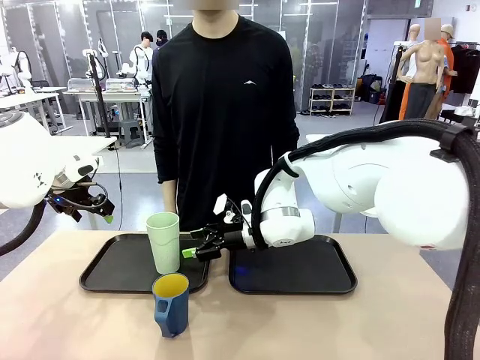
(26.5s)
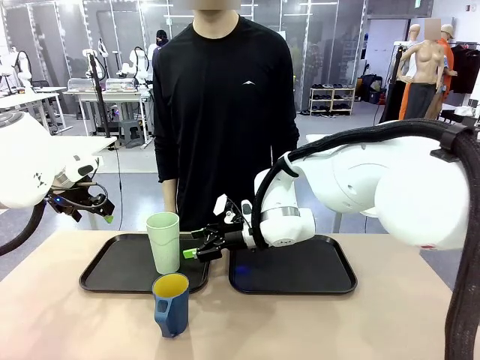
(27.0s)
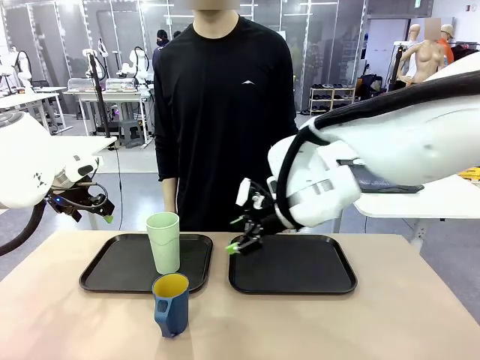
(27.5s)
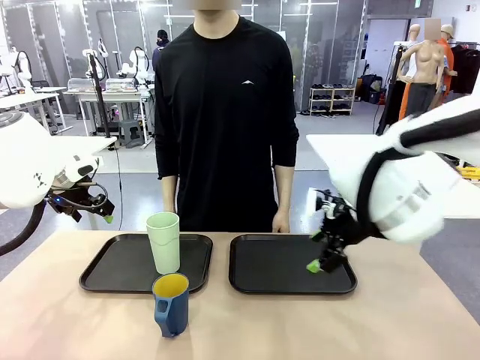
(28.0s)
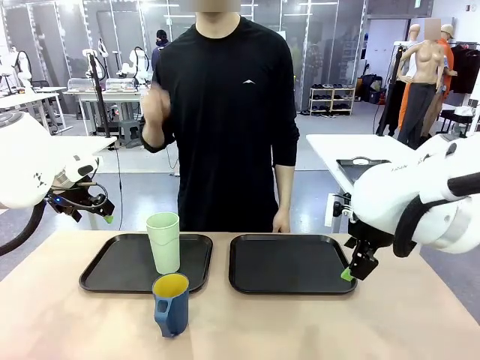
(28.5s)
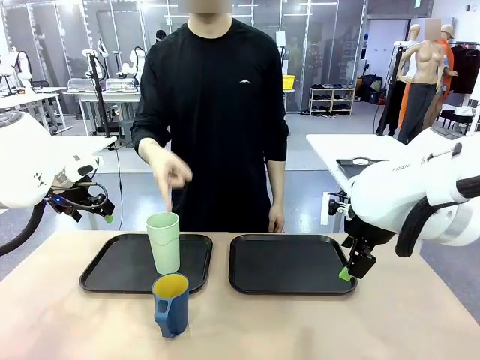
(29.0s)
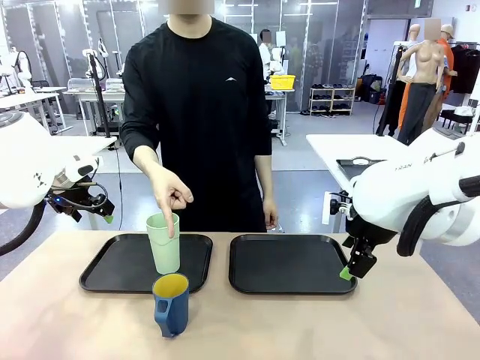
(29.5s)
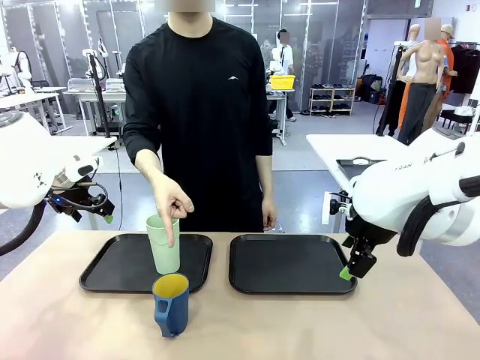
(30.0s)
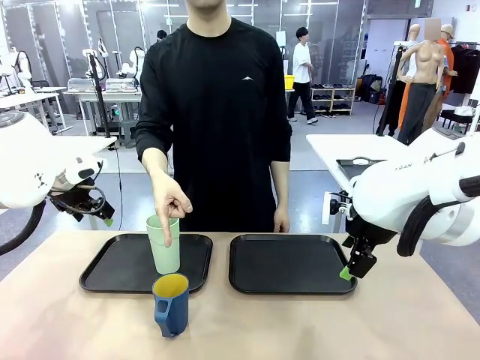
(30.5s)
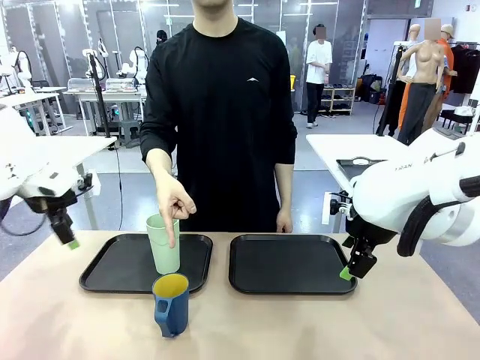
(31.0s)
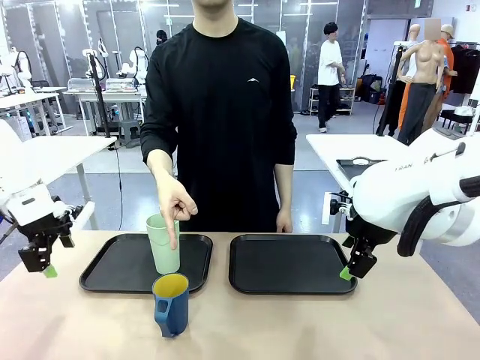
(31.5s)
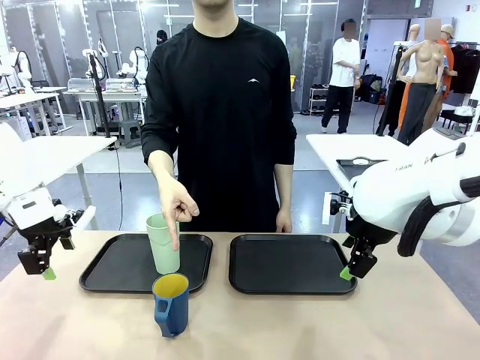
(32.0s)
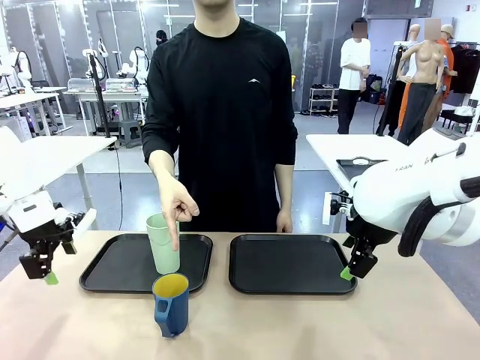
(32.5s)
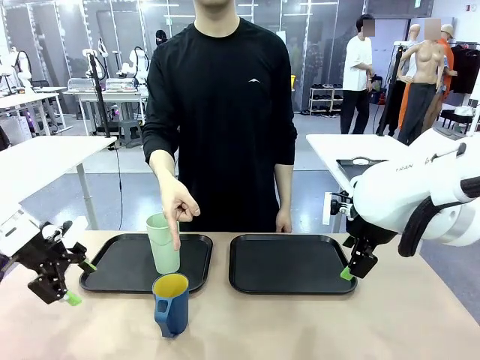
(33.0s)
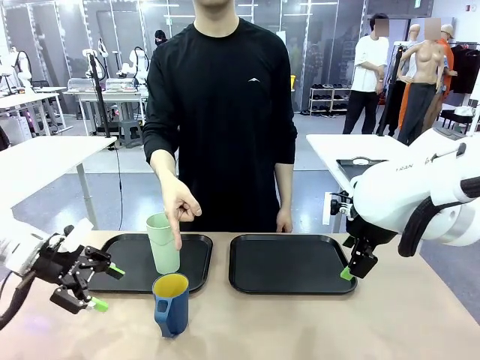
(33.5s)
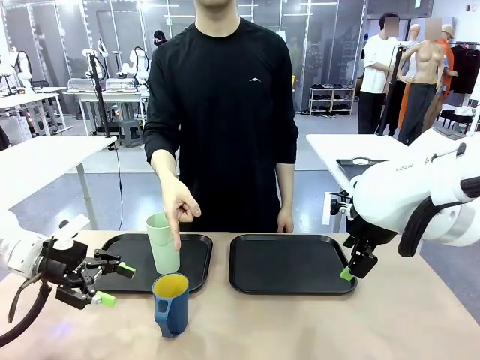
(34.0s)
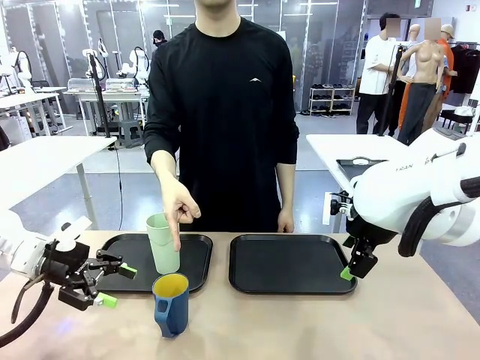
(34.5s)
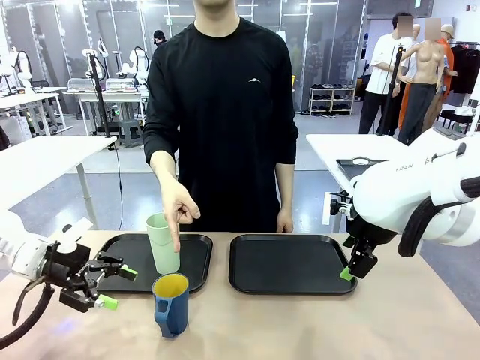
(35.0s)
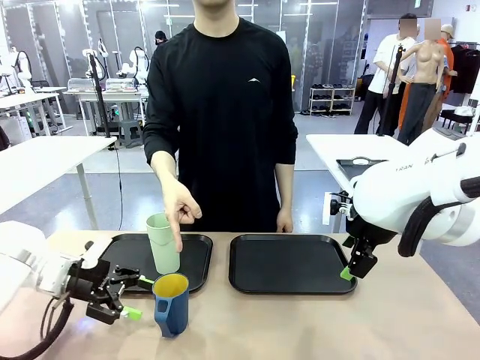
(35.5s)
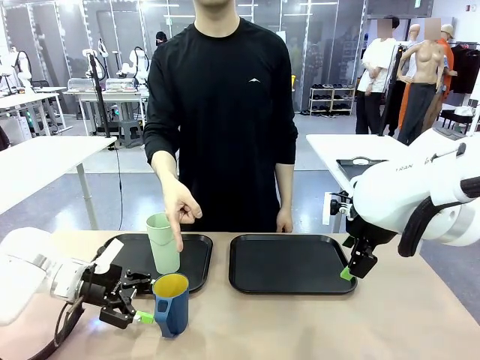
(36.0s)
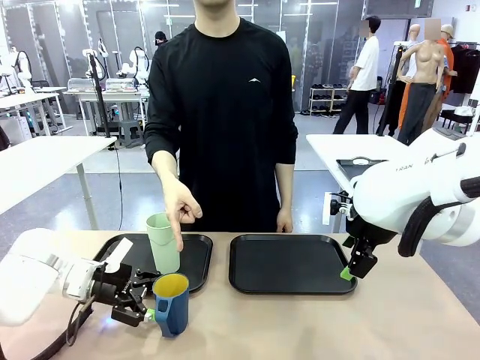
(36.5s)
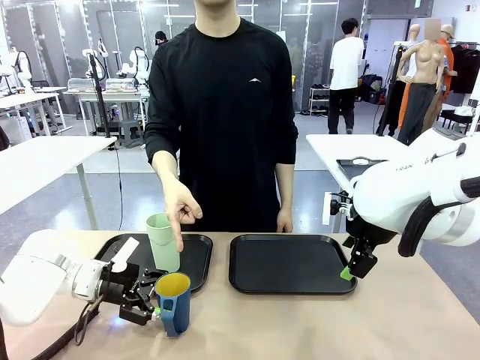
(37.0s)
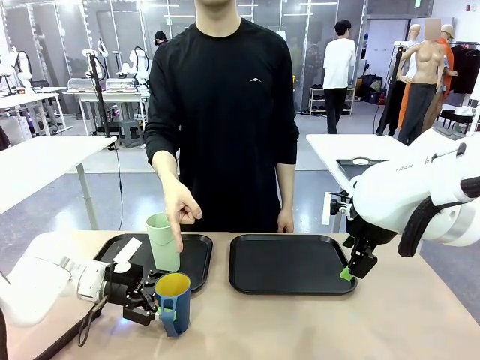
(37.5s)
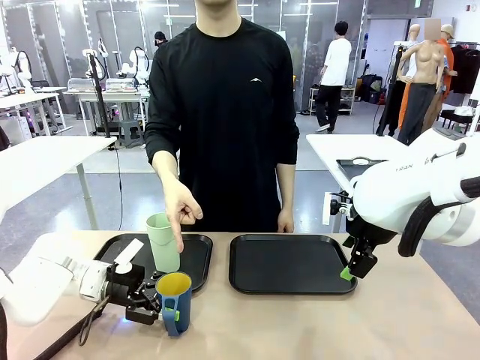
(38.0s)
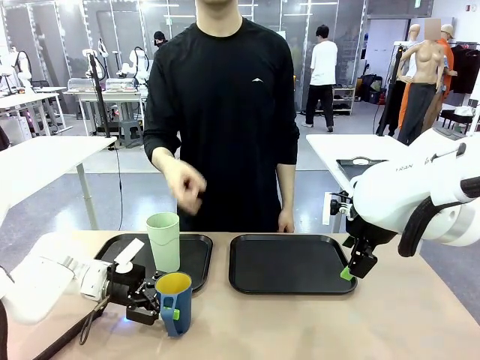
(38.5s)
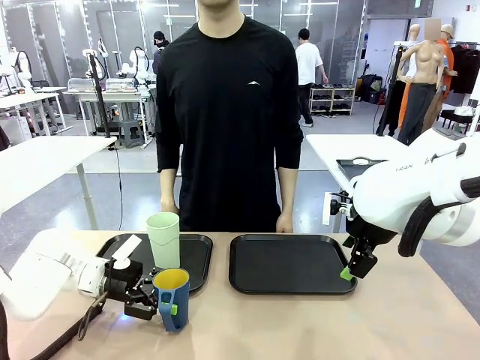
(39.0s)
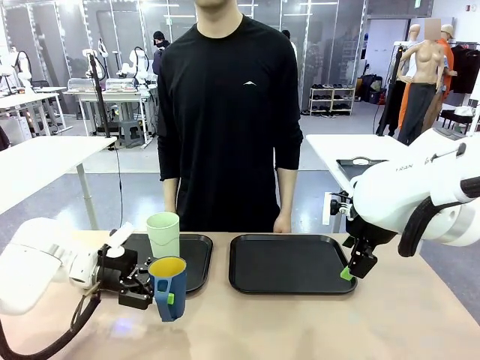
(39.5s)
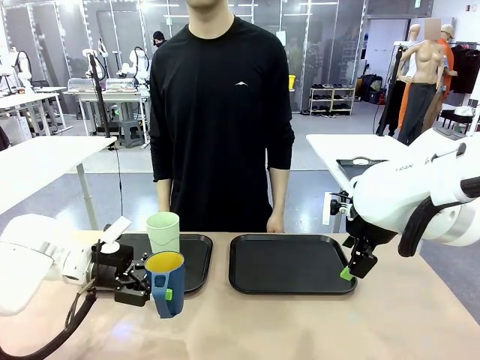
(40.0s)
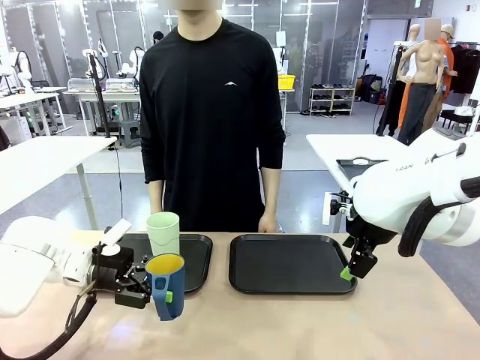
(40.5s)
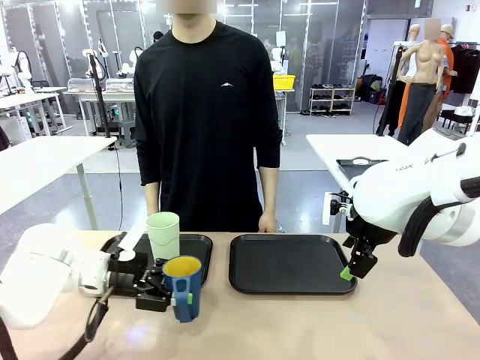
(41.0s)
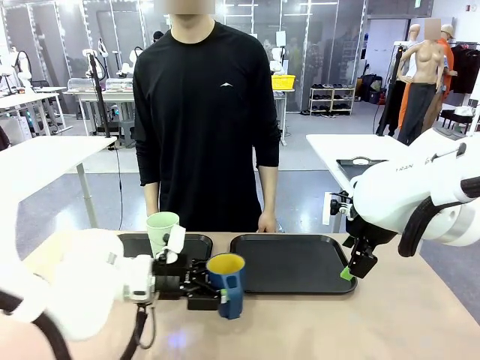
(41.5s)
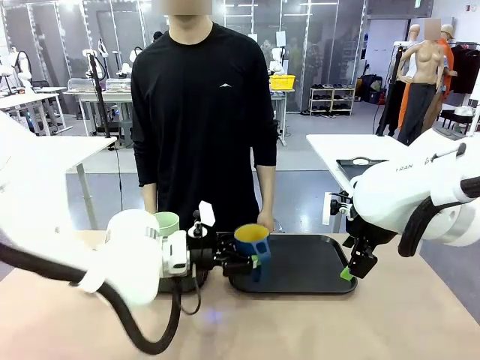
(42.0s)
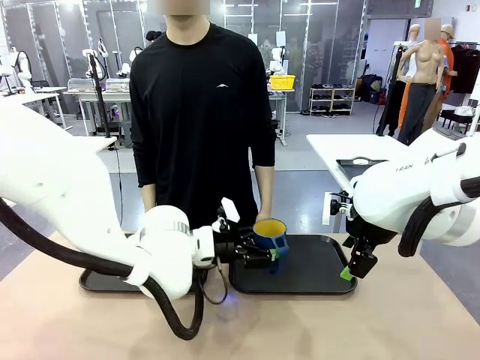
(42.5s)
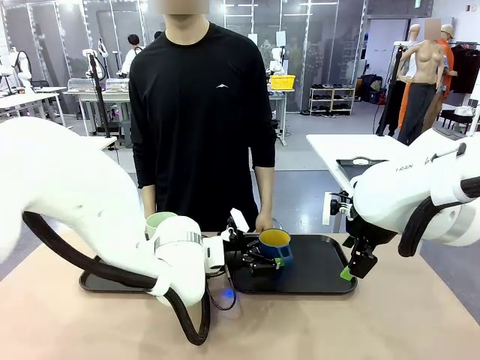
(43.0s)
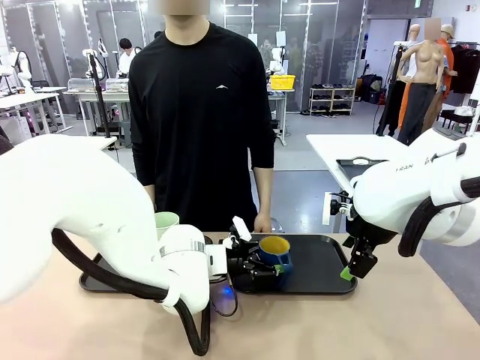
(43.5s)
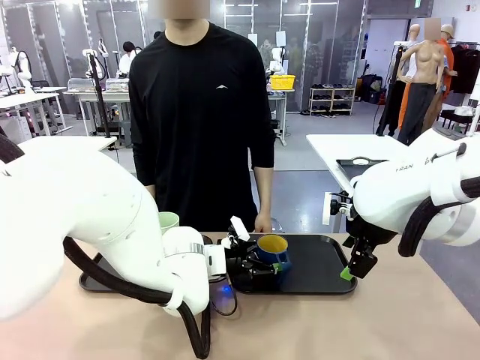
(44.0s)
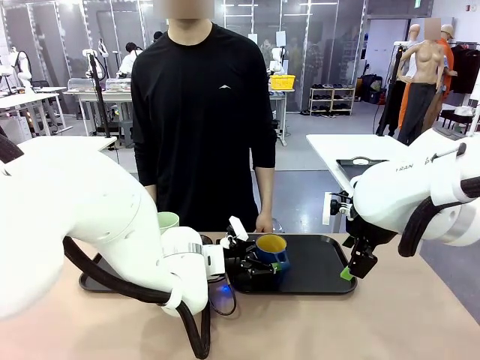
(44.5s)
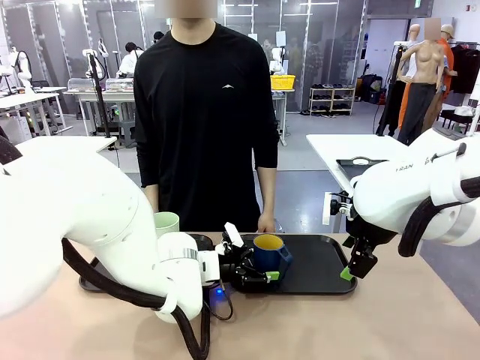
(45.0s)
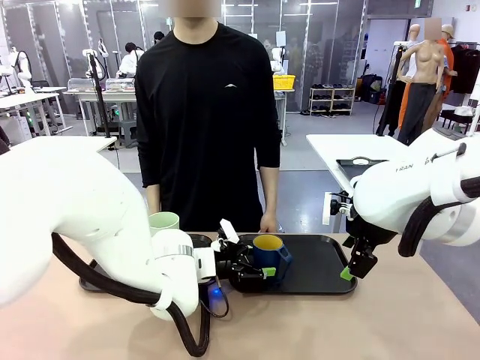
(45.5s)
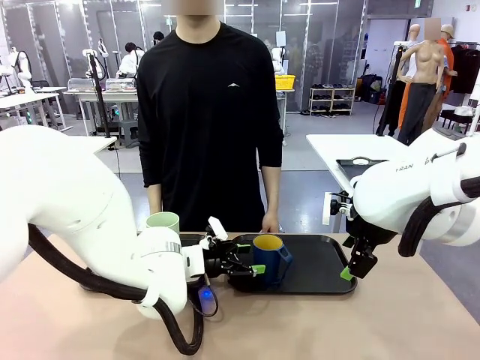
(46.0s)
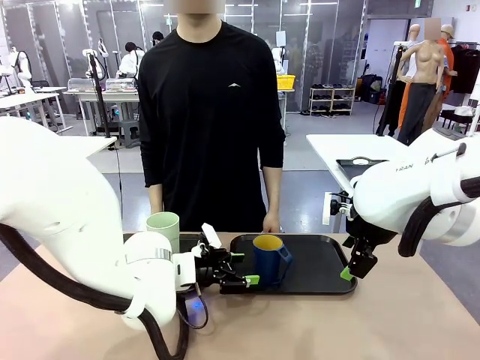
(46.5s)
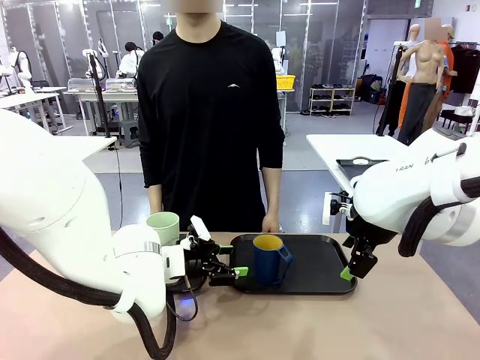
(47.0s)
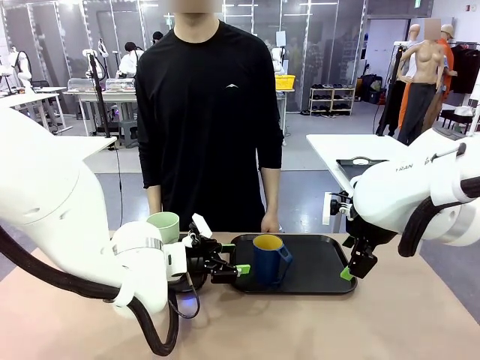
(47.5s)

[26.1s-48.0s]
Task: Sort and store the cups by type.
Robot: Pick up the Handle plastic cup and place it into the empty Flat Tray.
Person: Points to the cup with a handle.

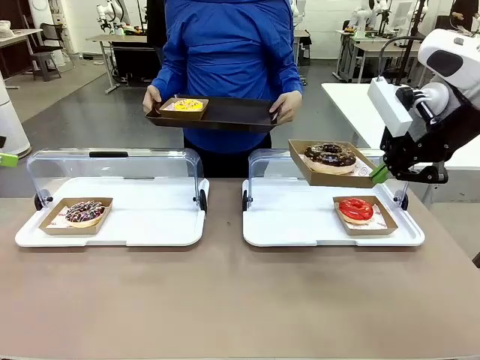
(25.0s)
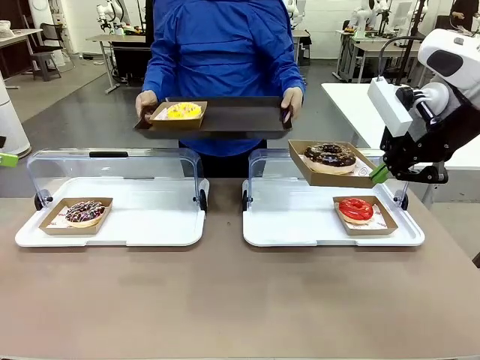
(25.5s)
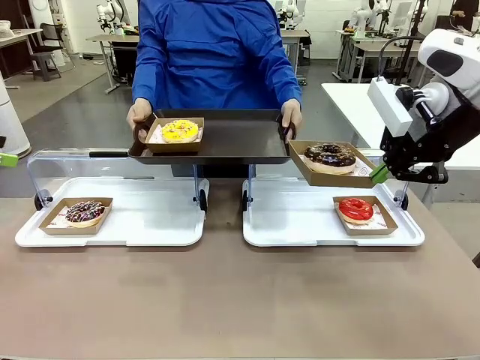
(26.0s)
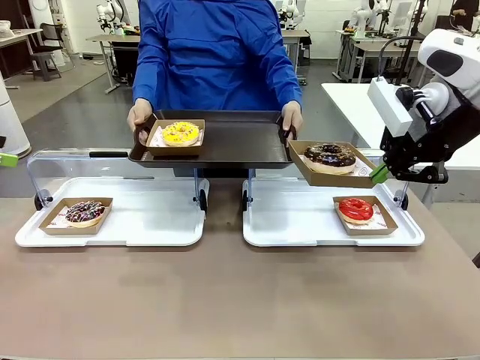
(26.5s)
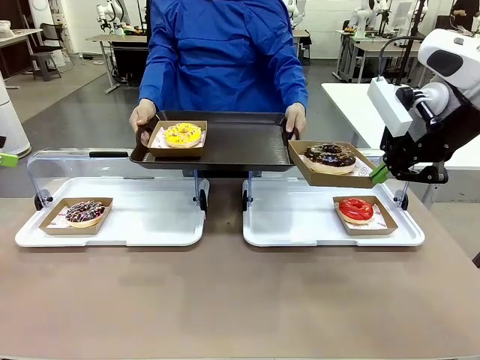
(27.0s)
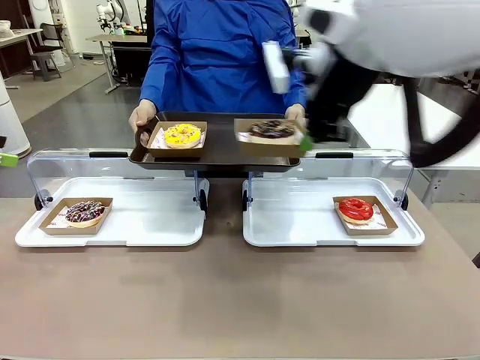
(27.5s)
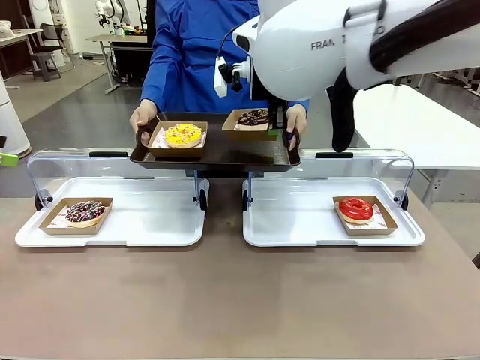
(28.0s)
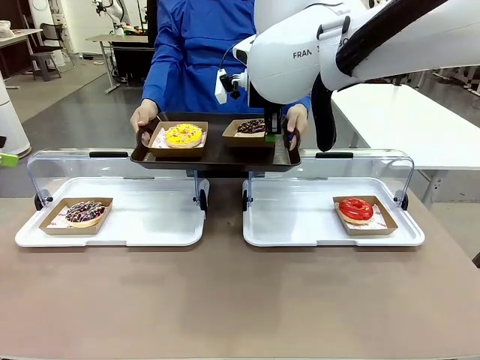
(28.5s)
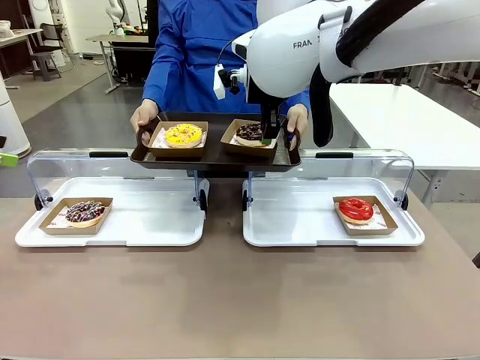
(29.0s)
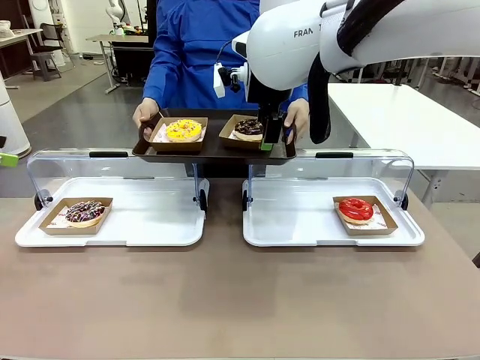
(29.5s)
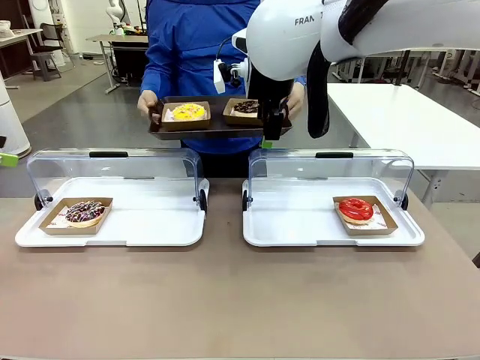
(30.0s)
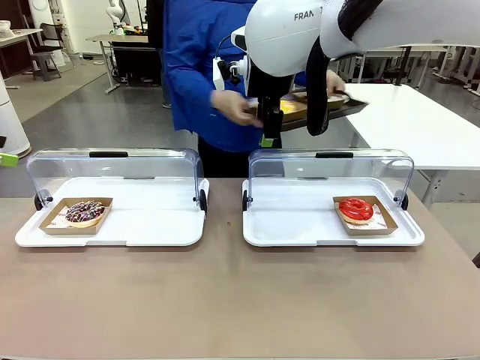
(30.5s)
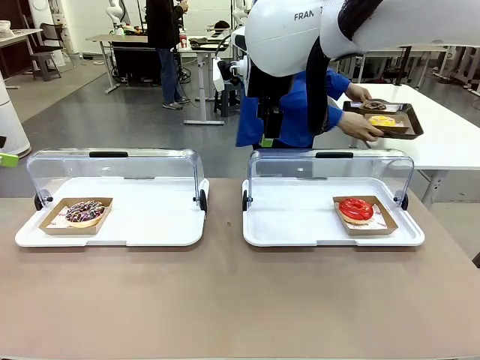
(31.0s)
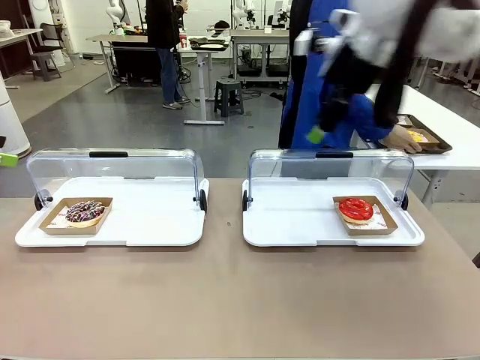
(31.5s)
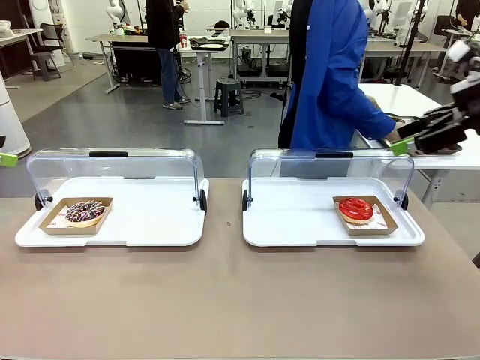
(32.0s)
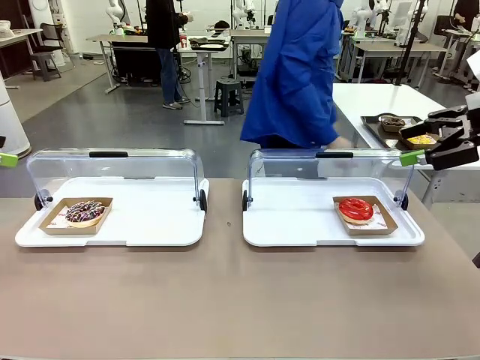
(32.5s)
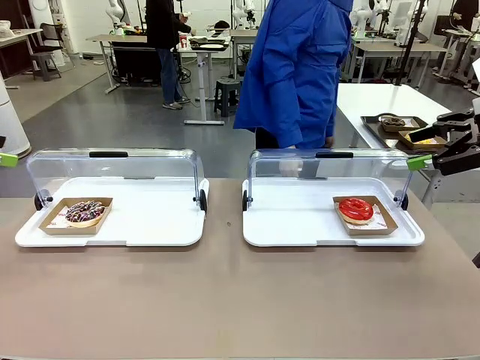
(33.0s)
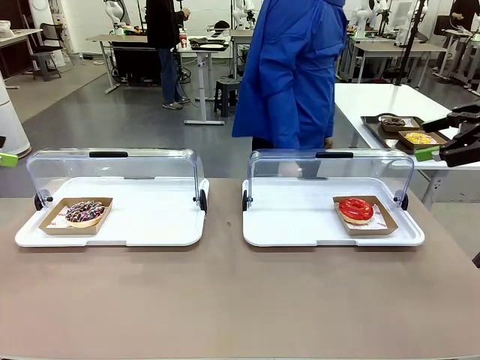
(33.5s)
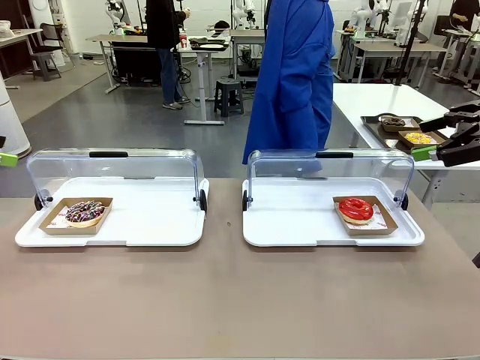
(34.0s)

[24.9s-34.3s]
Task: Provide the desired donut to the person.
Robot: Place the picked Paper togo box onto the Handle tray extended by the person.
Person: Place the tray in the middle of the human table.
